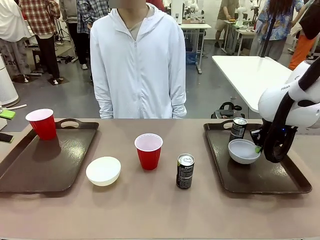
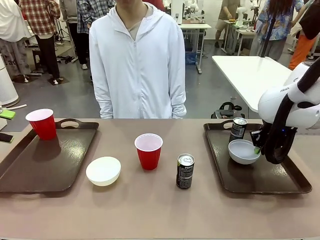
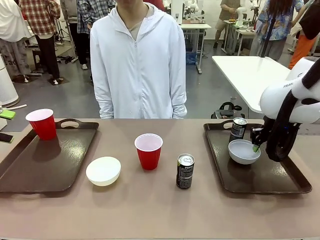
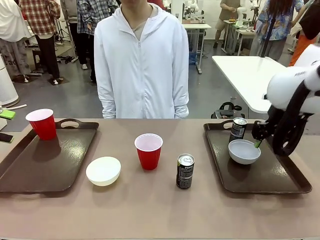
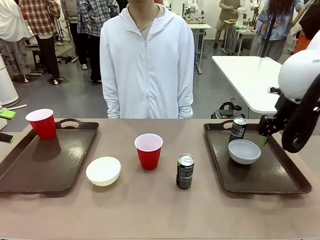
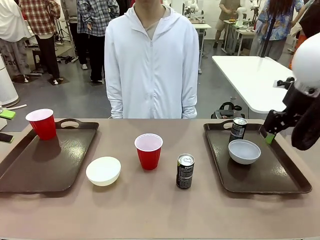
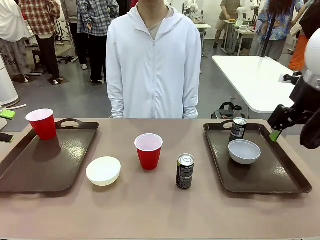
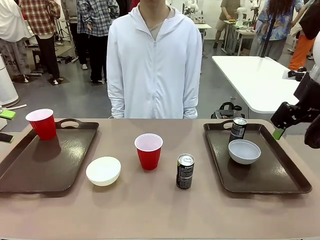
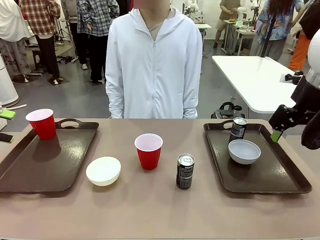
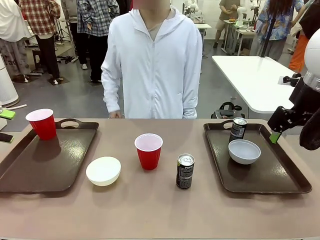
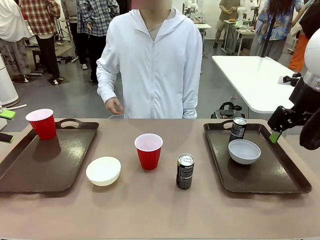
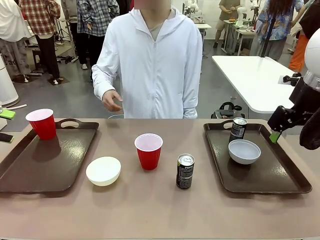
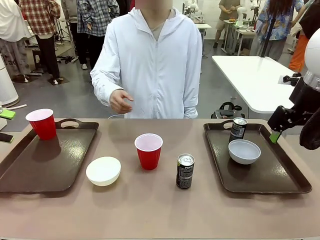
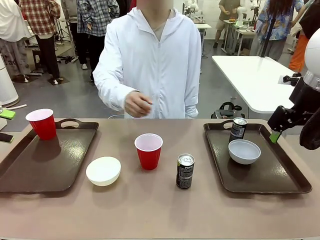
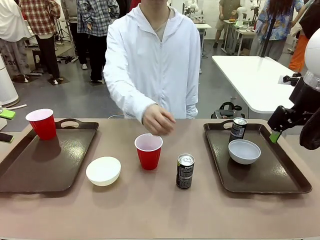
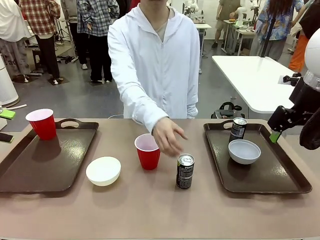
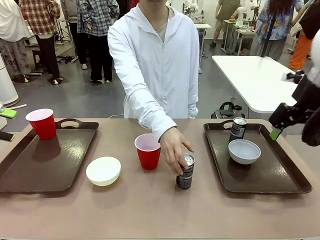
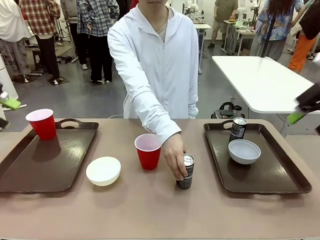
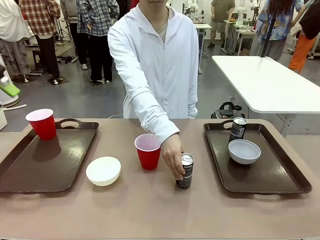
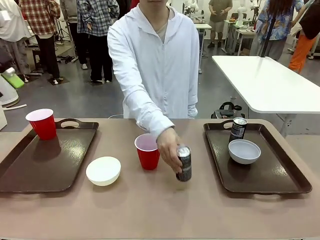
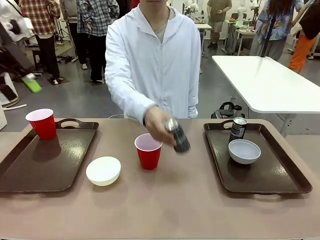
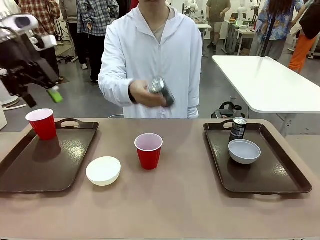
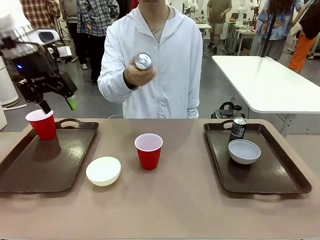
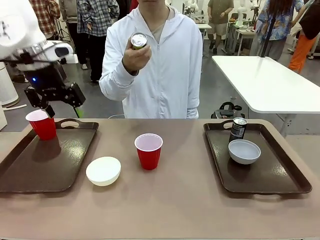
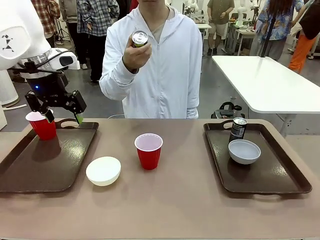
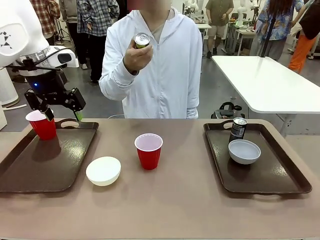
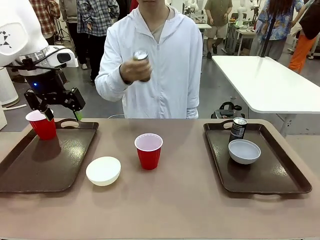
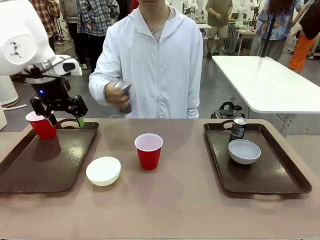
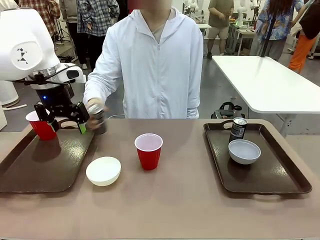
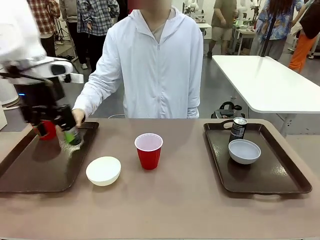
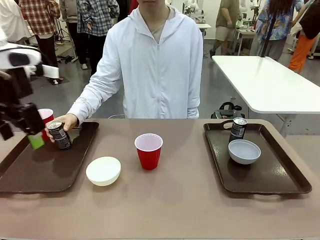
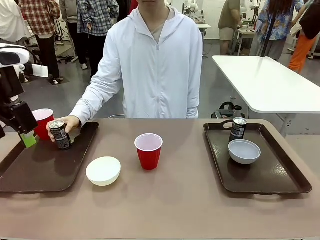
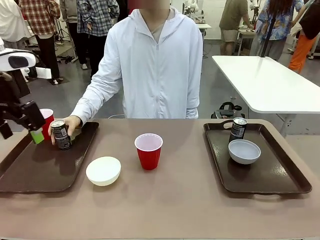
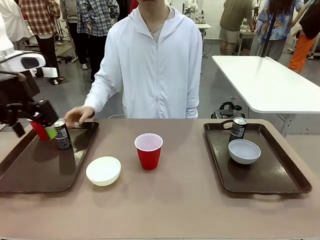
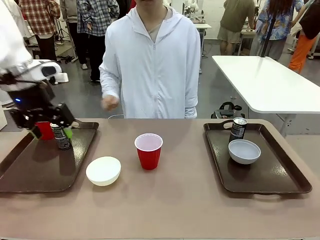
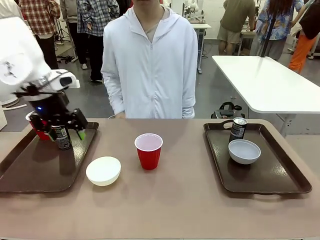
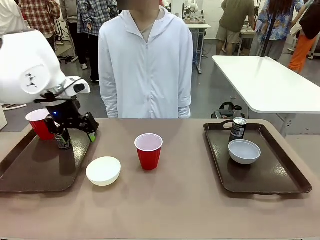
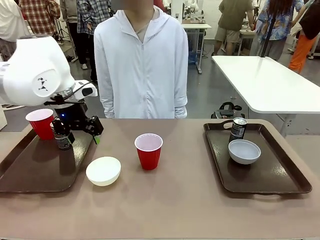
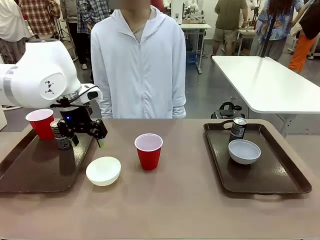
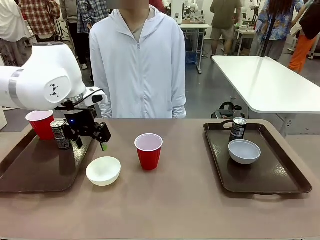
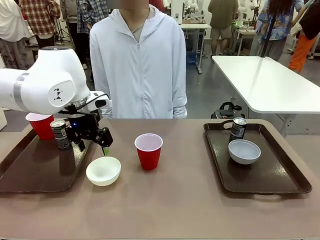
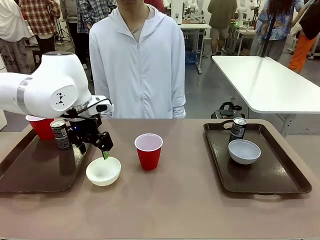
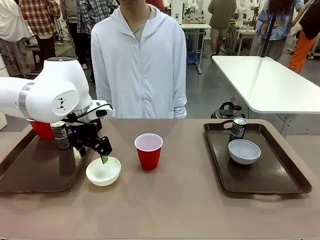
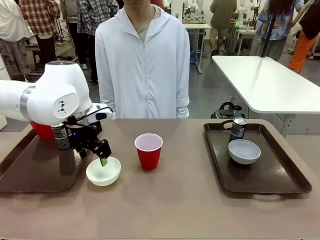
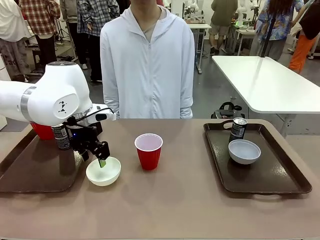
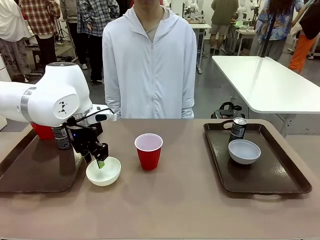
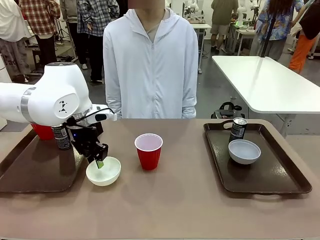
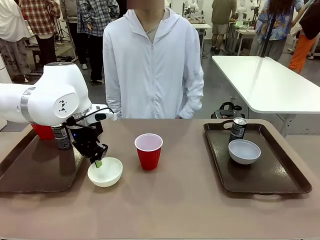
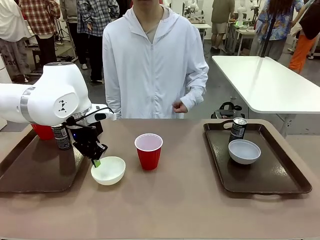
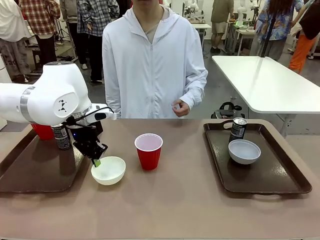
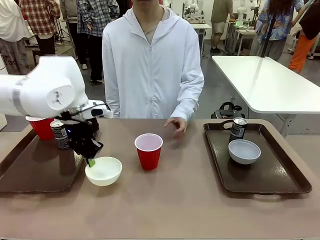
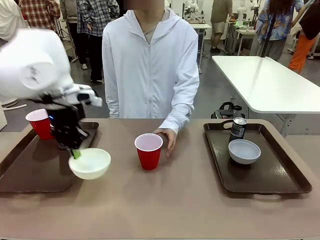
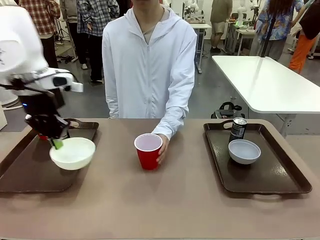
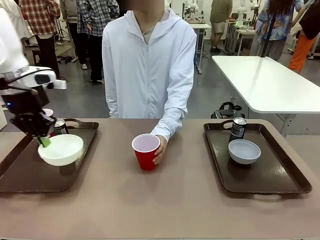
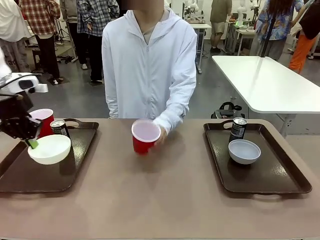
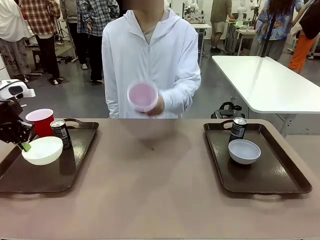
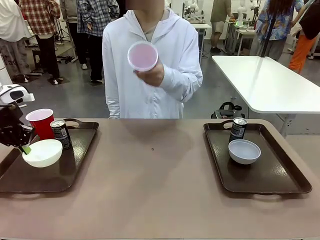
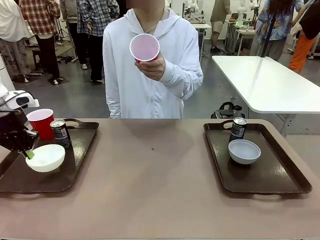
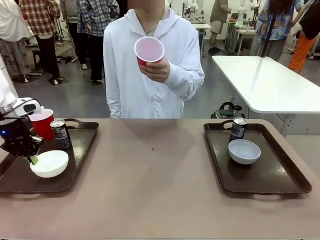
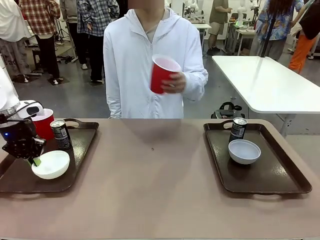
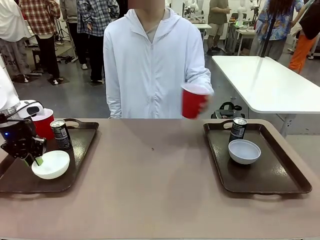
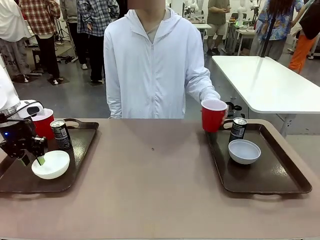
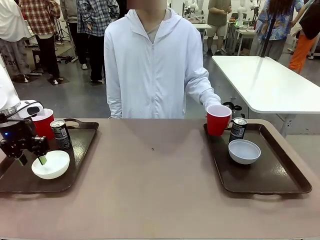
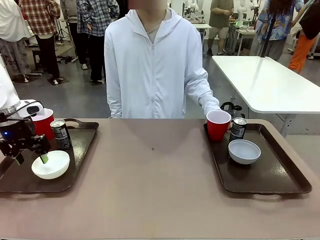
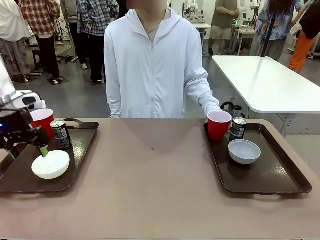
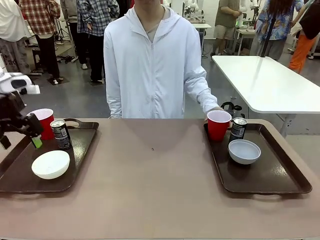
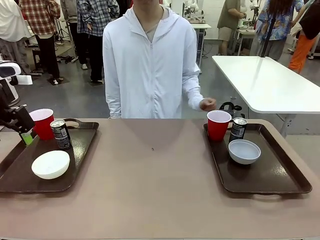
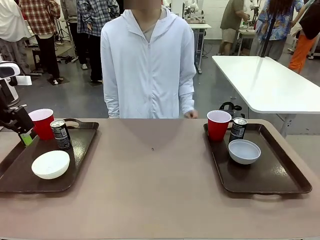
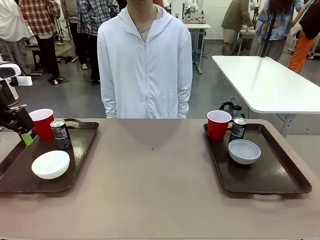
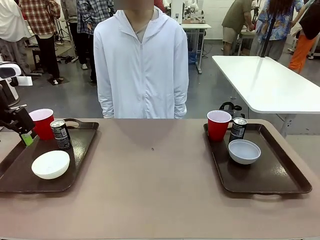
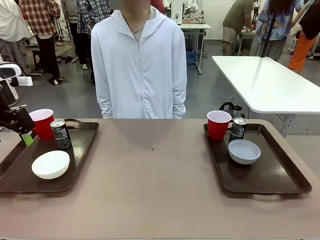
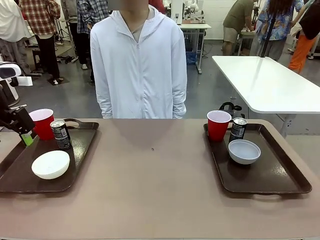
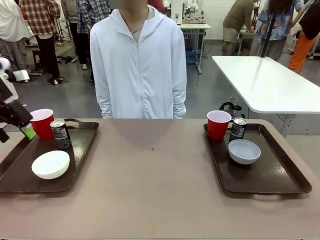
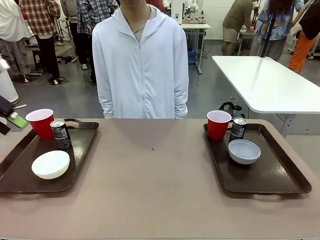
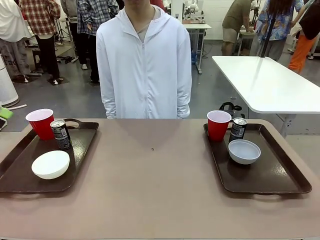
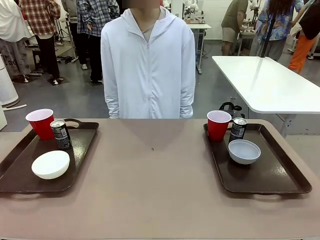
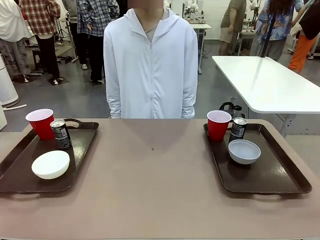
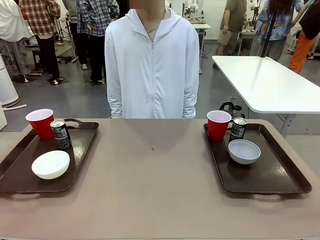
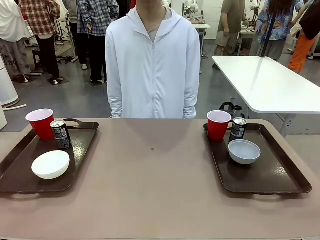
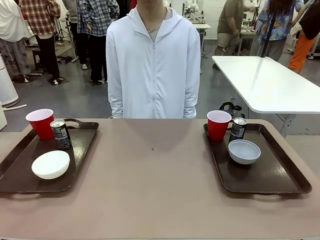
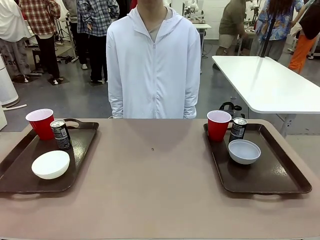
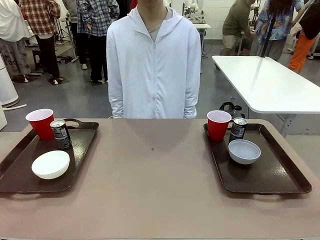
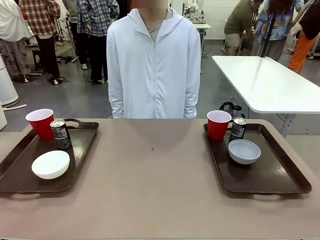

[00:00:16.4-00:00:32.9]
Task: Prepare tableware on both trays.
Robot: Pick up a Picnic Bowl from the table and place it on a Handle tray.
Person: Pick up a can or cup and place it on the tray without a can or cup.
